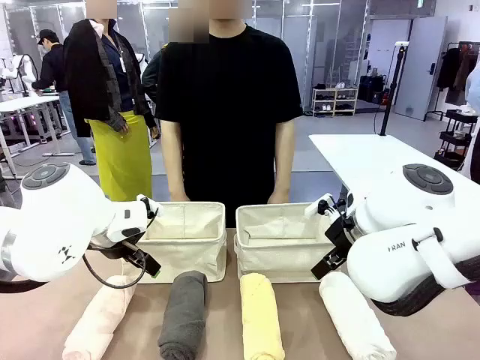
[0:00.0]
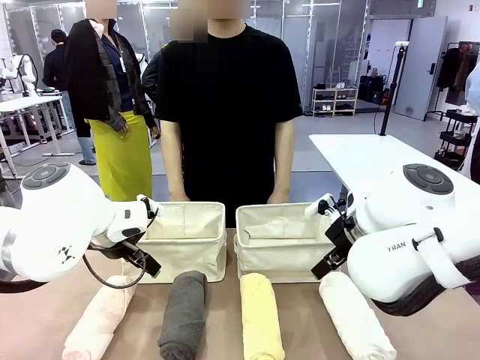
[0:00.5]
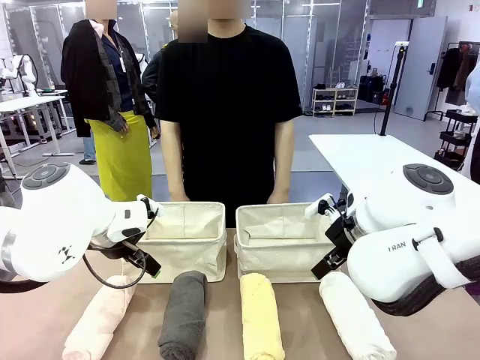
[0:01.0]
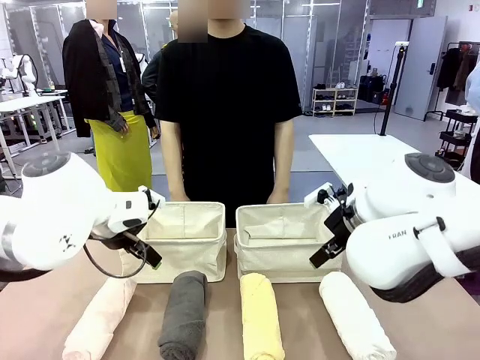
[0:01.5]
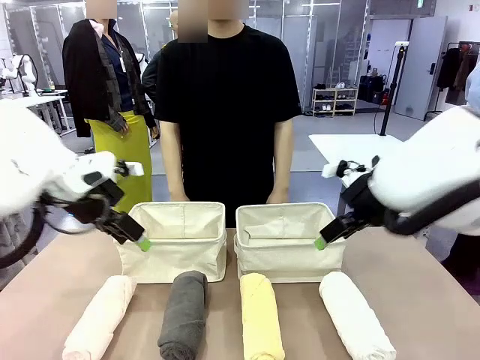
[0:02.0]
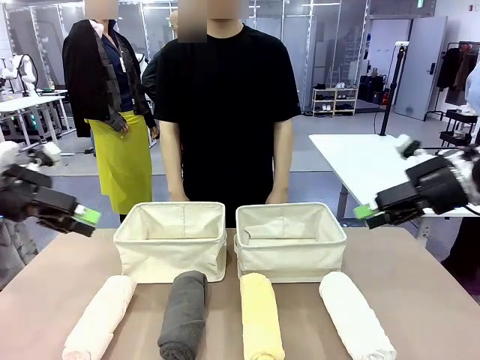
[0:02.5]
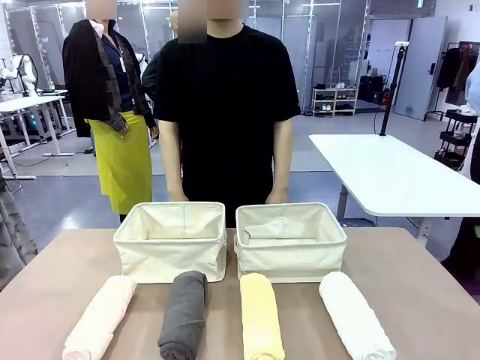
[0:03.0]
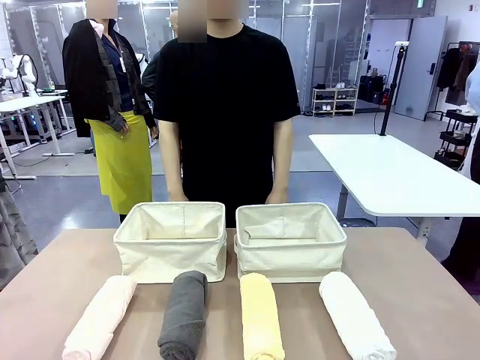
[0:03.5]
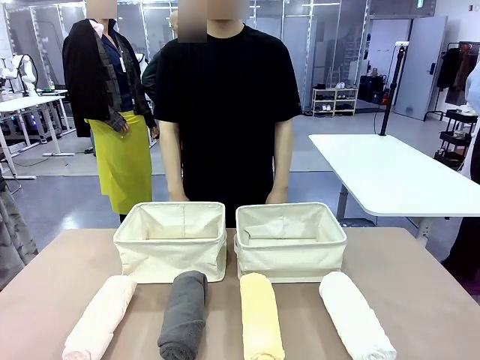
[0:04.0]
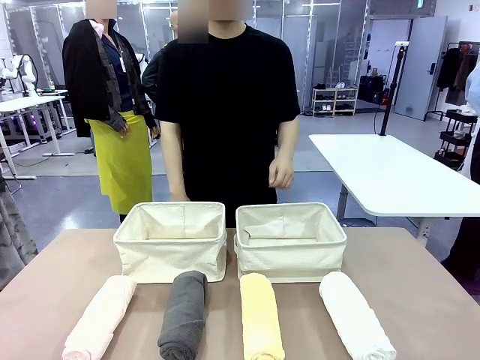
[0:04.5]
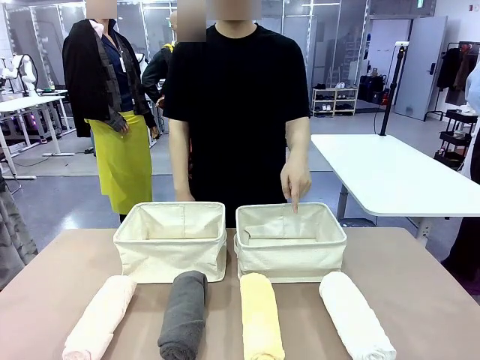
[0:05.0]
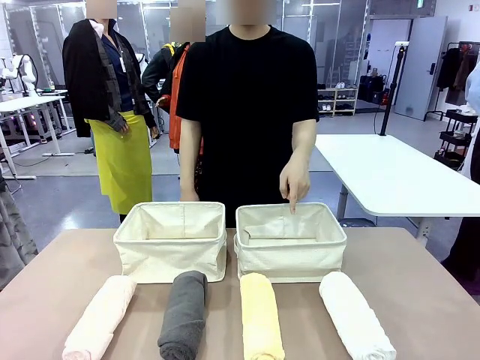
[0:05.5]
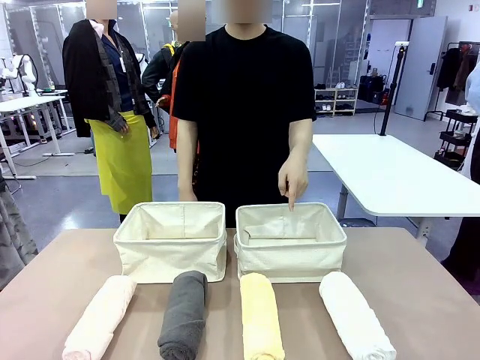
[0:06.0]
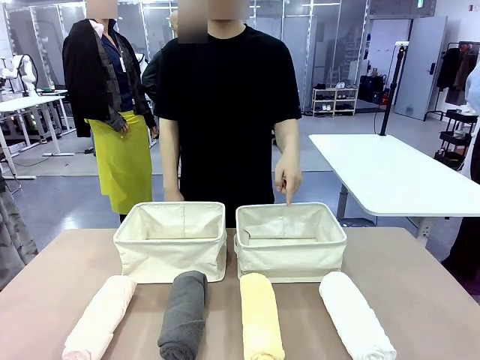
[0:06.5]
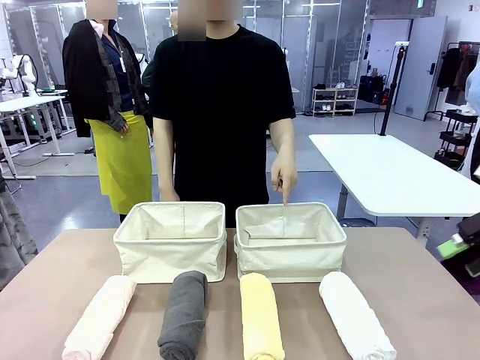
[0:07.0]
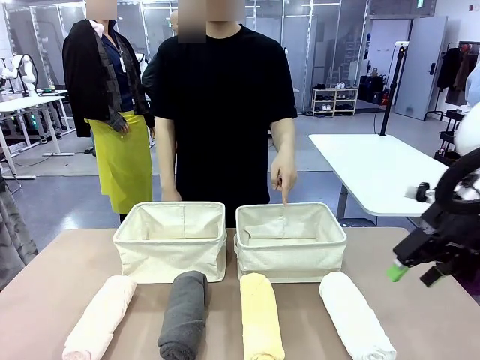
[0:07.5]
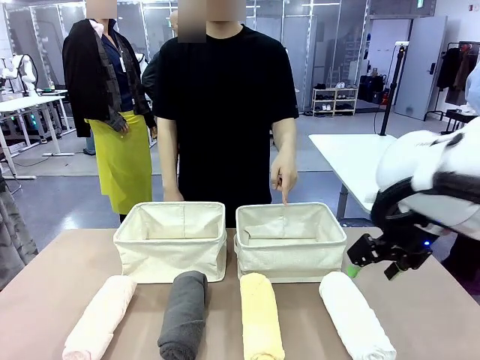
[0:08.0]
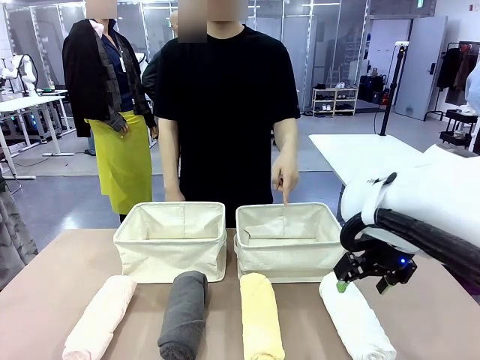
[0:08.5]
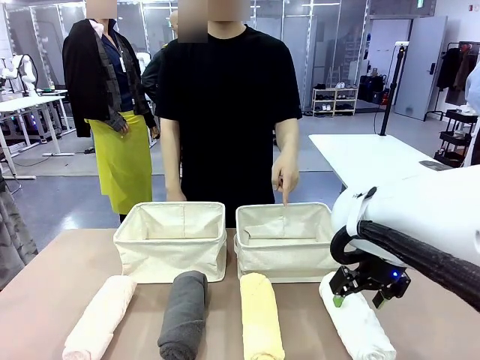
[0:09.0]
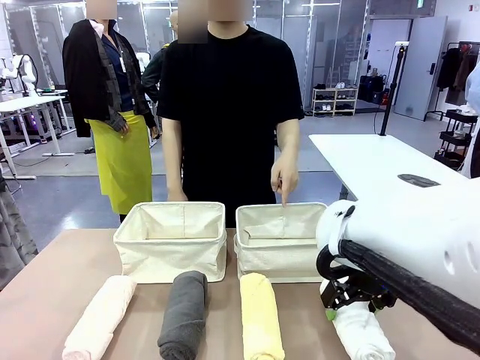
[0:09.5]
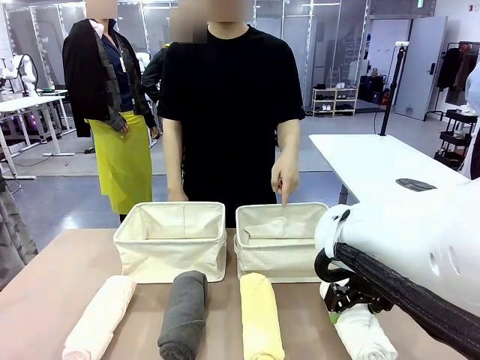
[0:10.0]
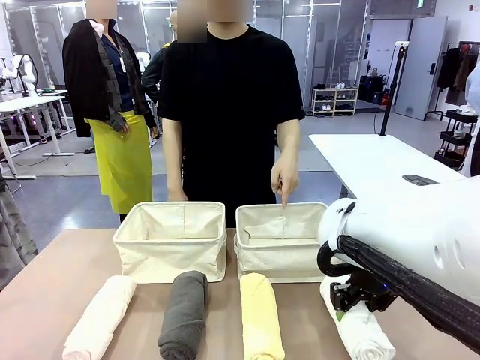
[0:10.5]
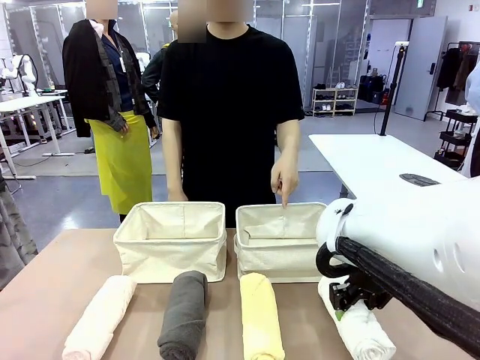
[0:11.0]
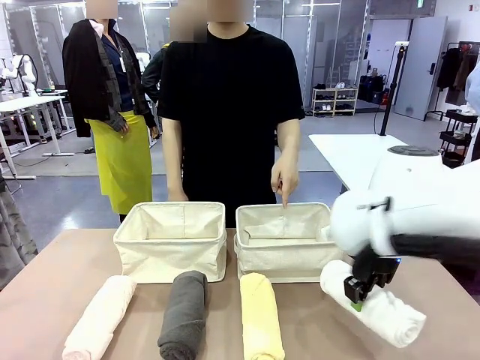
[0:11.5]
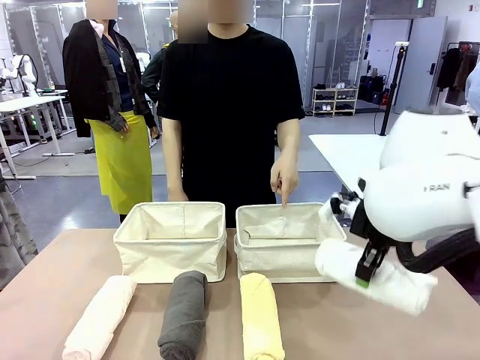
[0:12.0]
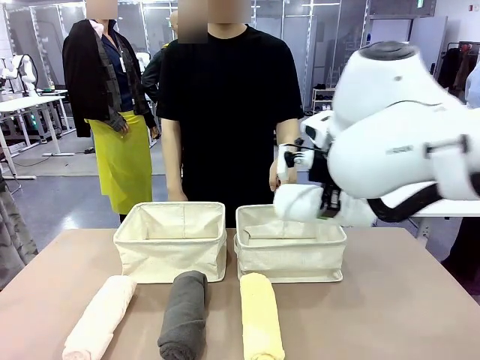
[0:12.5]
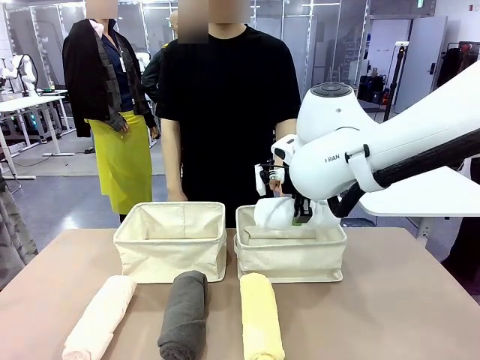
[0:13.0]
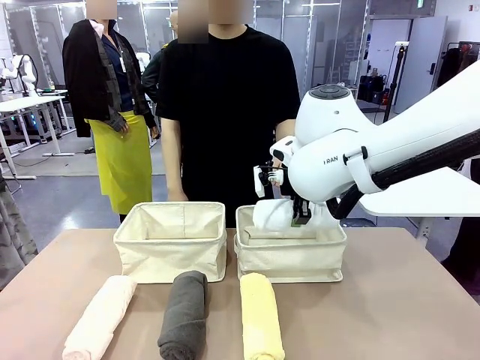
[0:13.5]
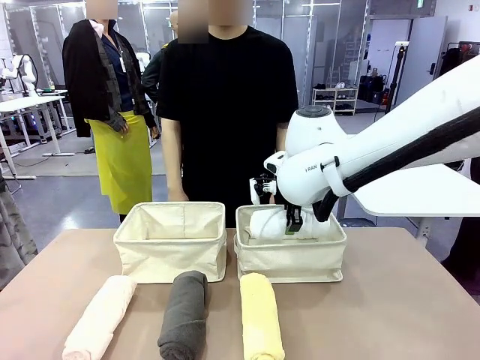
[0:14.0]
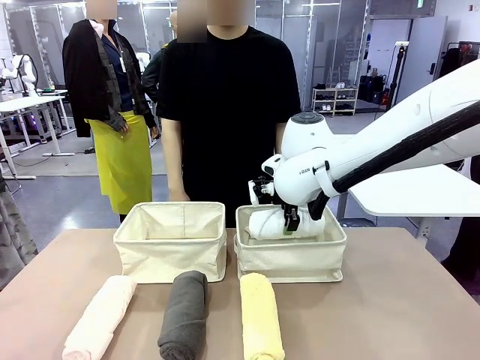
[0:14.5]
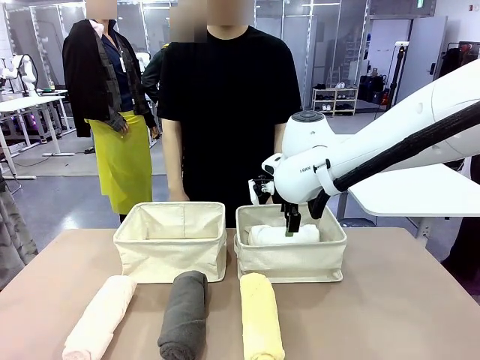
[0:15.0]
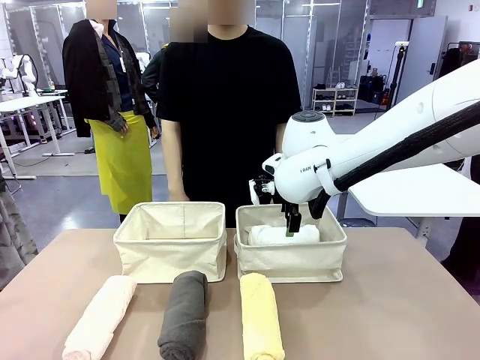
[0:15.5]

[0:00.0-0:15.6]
Task: Divide the towels into two baskets.
Robot: Pick up one hotel-folded towel and place it in the Fabric basket indicated by the person.
